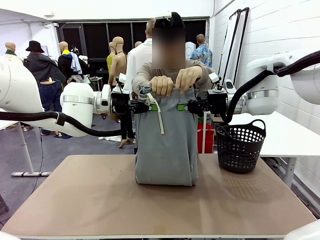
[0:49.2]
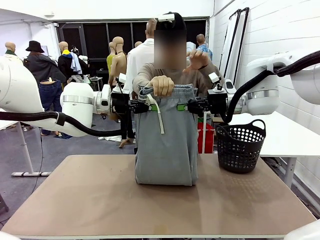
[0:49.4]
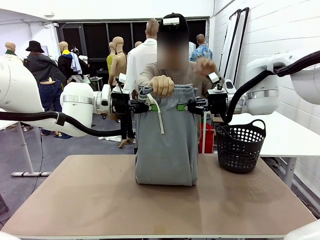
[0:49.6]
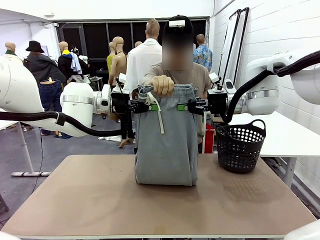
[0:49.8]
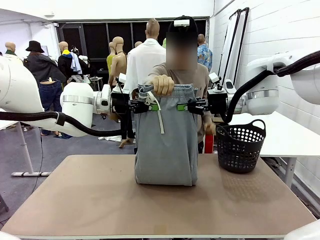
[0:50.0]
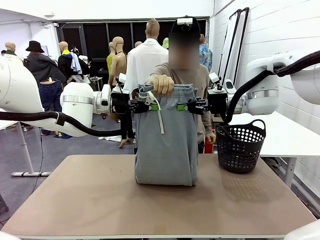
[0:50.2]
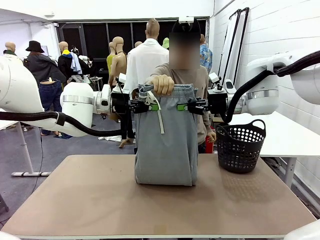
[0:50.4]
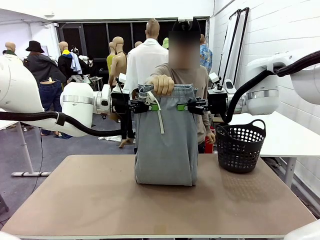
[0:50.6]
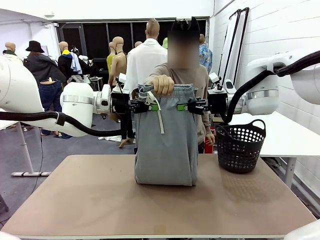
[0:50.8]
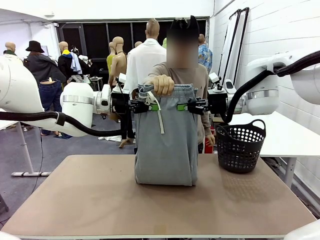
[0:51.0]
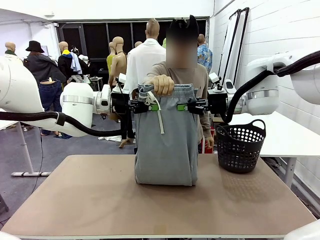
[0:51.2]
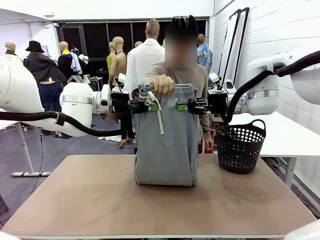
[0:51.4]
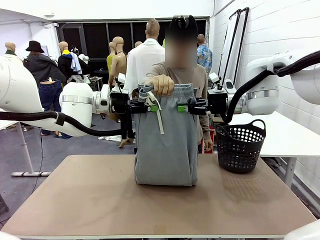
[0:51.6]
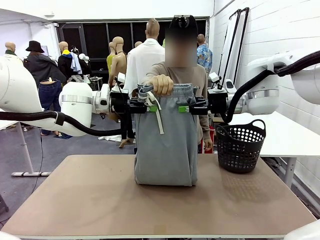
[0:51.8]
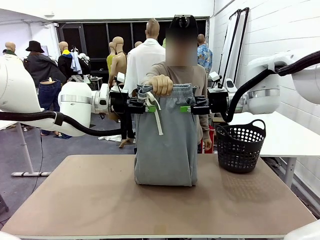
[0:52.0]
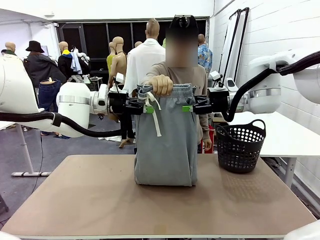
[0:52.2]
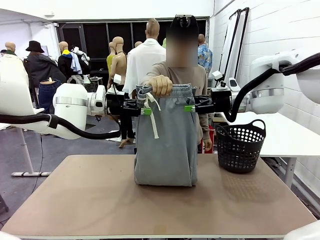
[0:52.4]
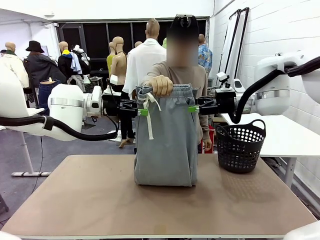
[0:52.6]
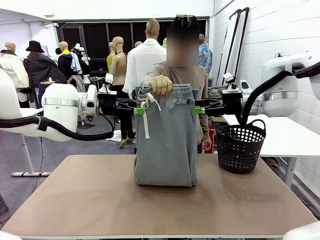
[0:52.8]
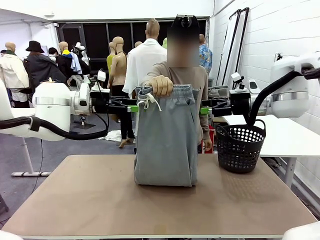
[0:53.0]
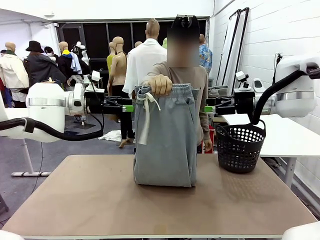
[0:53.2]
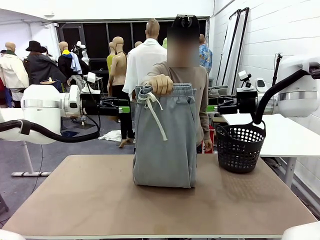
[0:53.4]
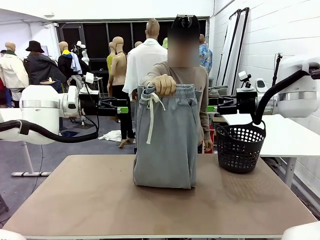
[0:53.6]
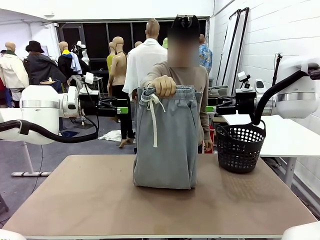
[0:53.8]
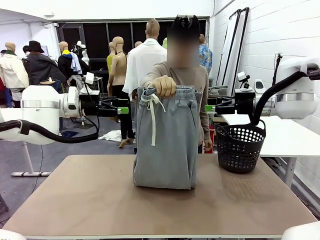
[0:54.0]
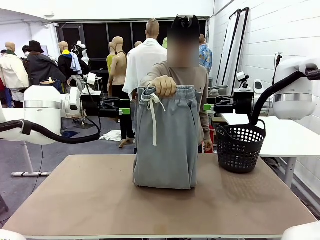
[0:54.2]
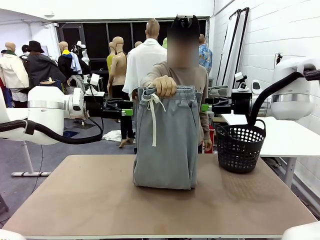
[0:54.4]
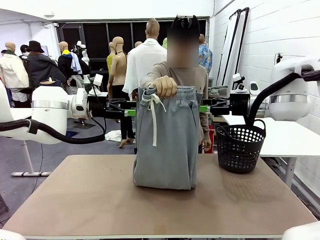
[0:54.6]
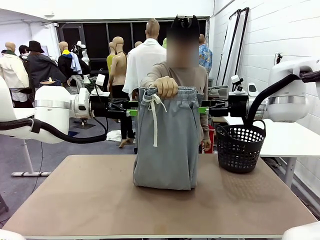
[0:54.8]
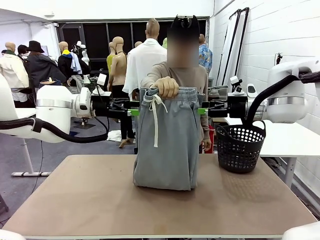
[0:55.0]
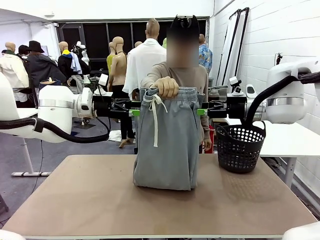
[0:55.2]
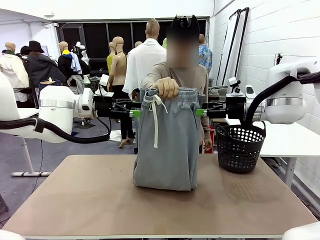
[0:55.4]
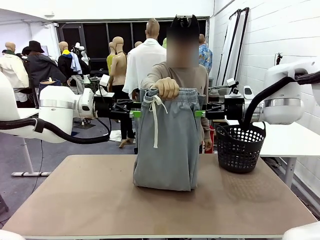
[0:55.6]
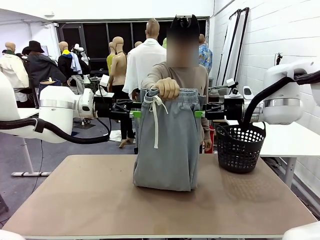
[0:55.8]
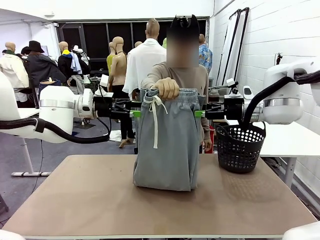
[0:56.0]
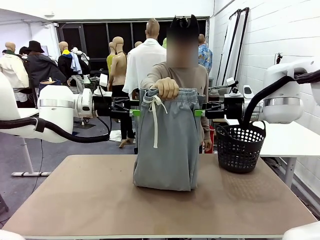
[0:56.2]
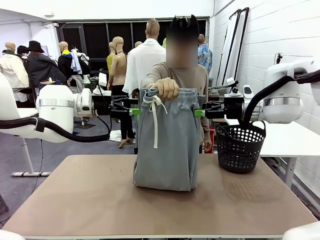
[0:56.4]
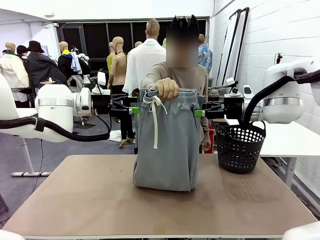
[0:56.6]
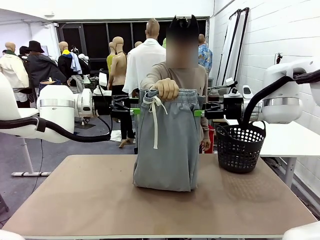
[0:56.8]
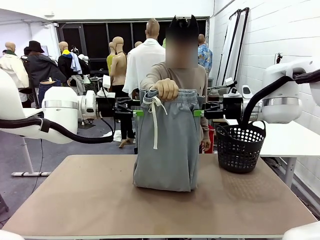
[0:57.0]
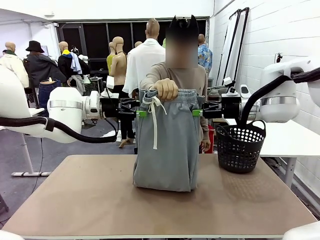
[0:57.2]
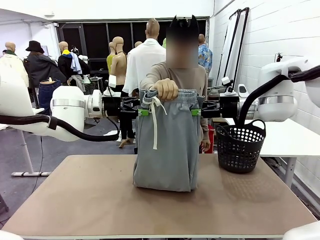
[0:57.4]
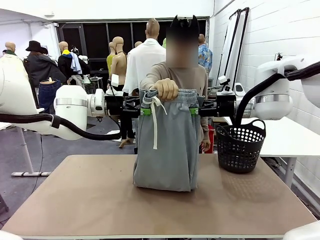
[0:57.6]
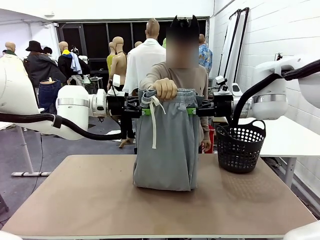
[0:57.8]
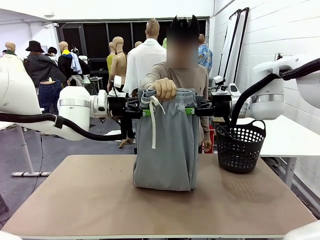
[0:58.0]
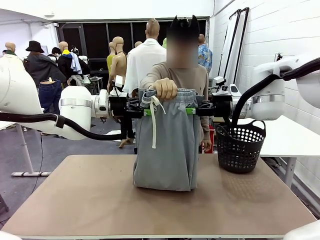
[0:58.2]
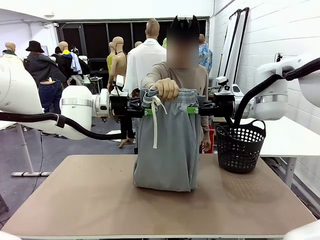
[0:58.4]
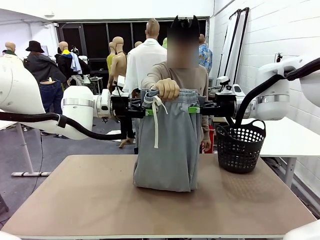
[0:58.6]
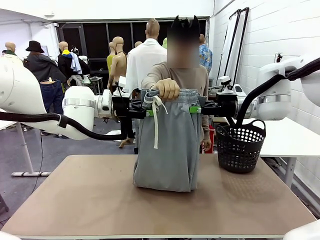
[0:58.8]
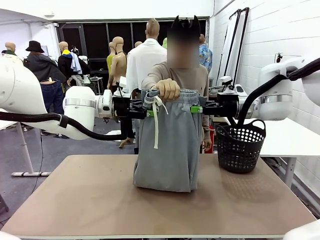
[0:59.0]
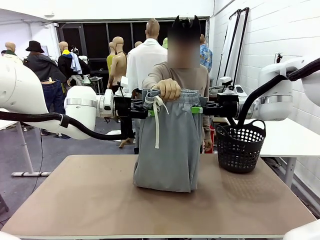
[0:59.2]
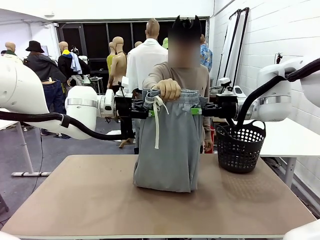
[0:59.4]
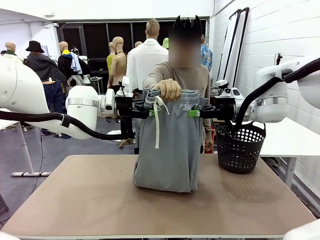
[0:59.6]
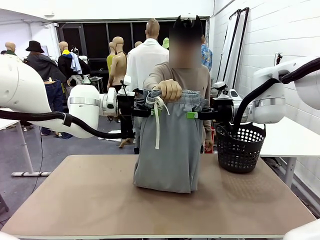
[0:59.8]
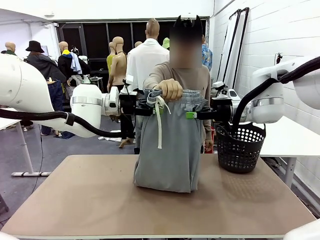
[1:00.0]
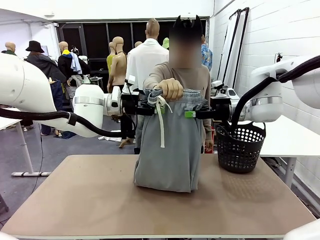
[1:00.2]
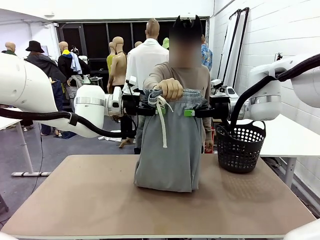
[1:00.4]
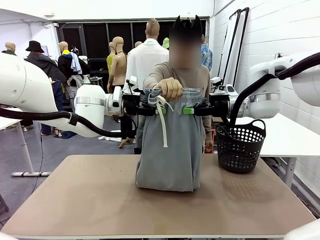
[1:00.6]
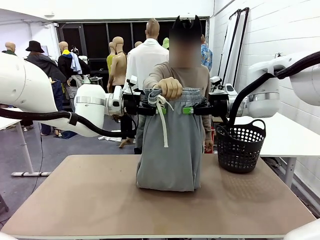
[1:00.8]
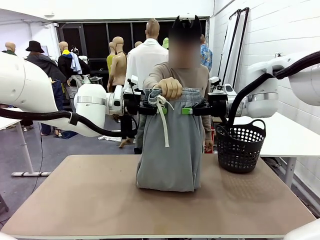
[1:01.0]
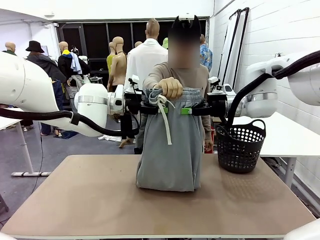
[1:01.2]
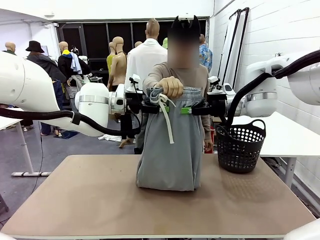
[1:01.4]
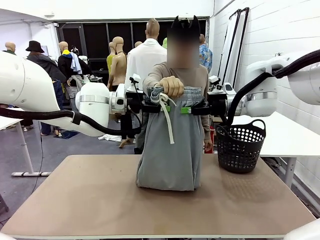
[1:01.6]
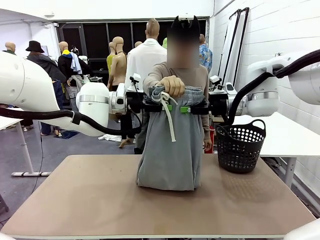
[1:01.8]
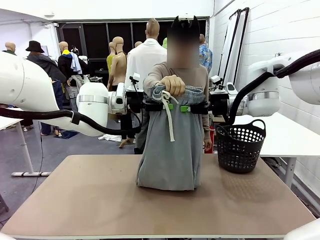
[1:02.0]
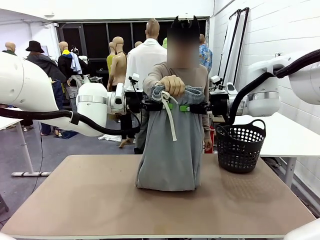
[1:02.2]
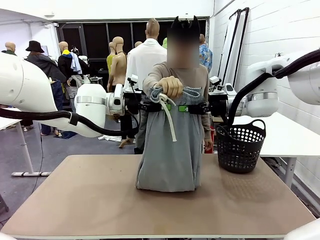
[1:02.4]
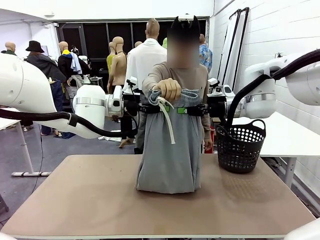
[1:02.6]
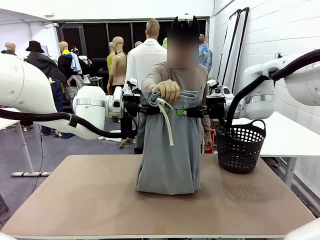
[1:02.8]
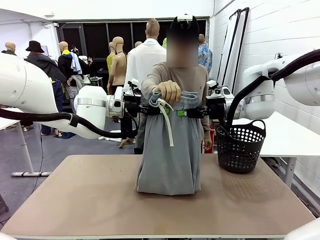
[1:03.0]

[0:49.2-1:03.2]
Task: Fold the training pants.
Robot: Release the ends of the Training pants and then grab the overlapped ends.
Person: Release the pants you were holding.

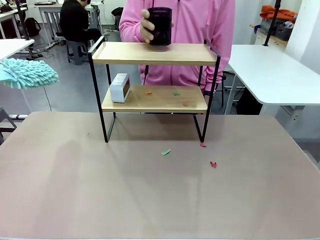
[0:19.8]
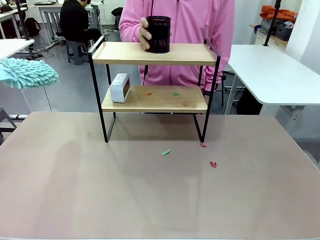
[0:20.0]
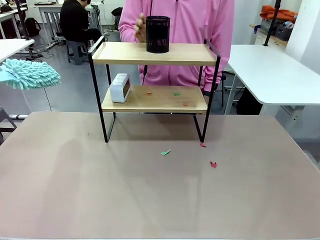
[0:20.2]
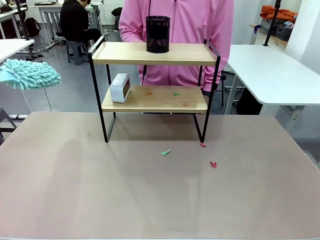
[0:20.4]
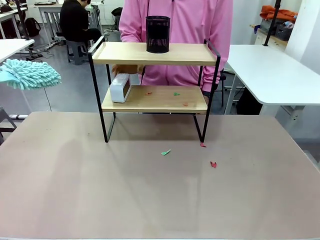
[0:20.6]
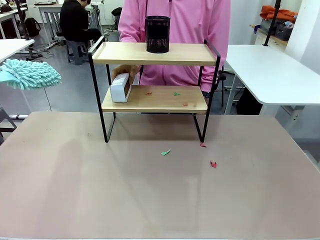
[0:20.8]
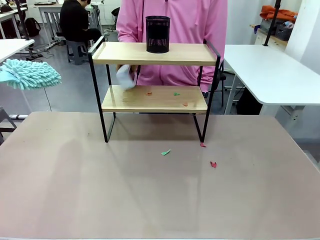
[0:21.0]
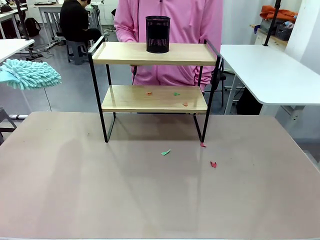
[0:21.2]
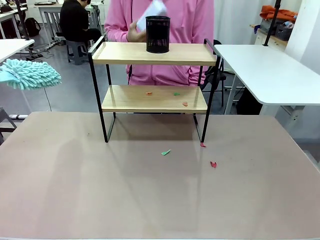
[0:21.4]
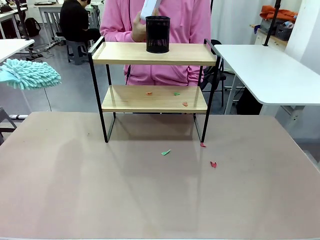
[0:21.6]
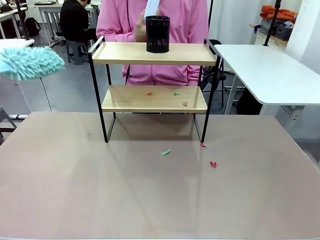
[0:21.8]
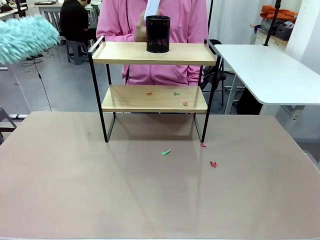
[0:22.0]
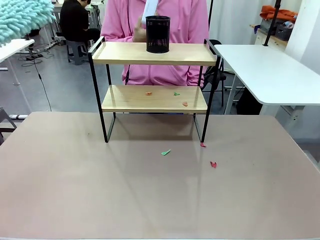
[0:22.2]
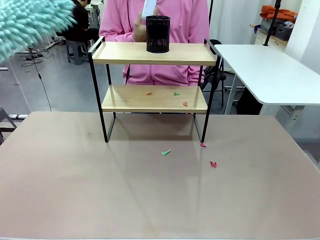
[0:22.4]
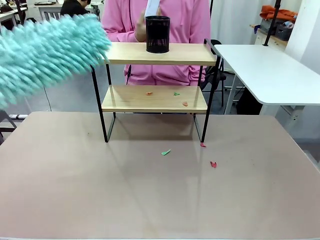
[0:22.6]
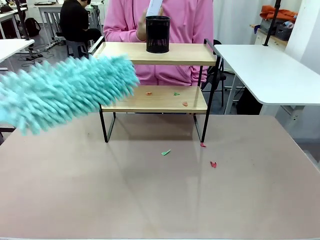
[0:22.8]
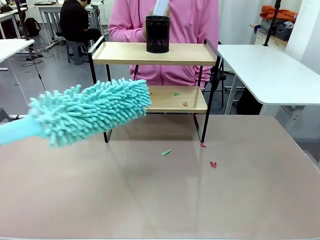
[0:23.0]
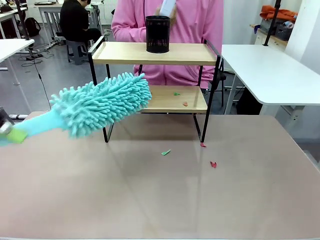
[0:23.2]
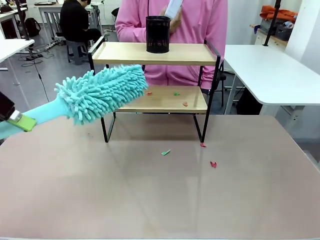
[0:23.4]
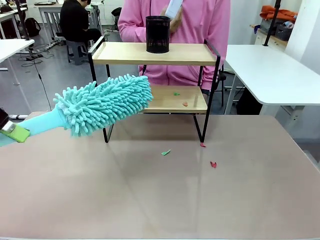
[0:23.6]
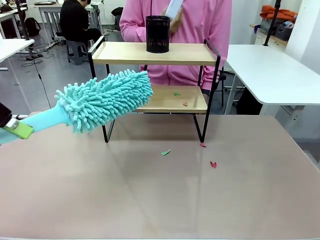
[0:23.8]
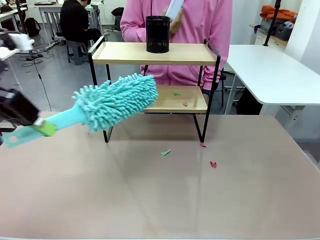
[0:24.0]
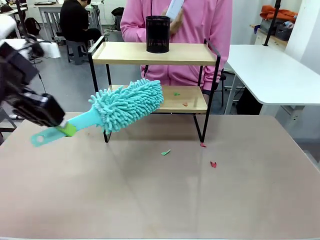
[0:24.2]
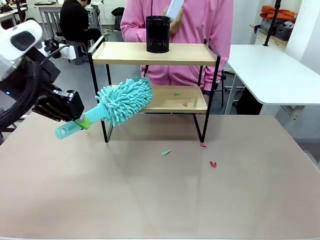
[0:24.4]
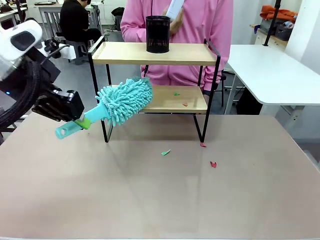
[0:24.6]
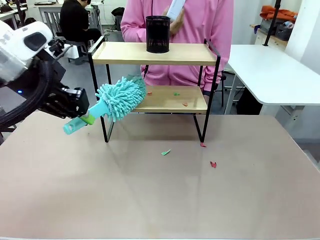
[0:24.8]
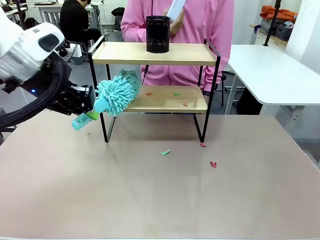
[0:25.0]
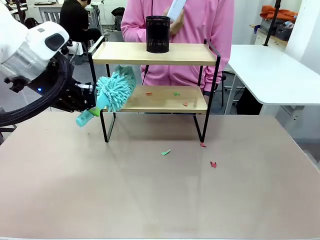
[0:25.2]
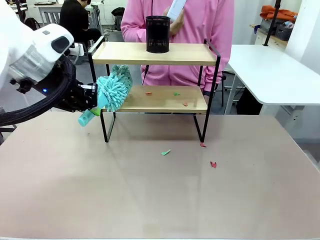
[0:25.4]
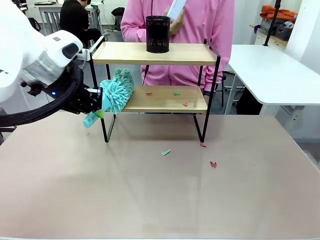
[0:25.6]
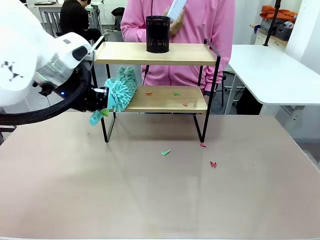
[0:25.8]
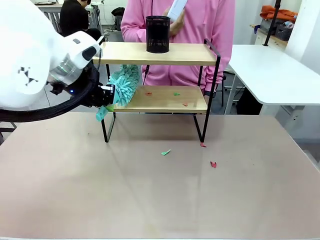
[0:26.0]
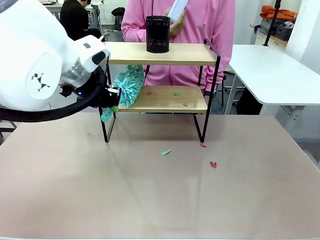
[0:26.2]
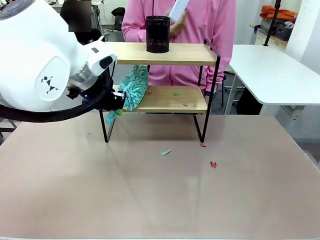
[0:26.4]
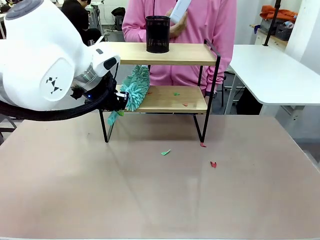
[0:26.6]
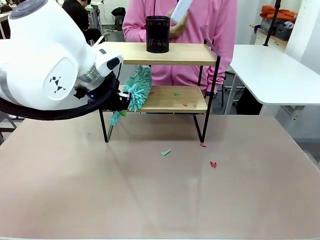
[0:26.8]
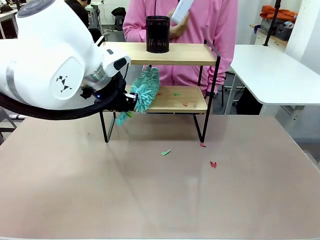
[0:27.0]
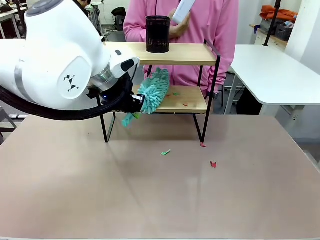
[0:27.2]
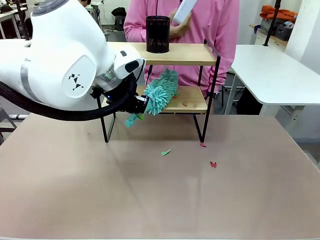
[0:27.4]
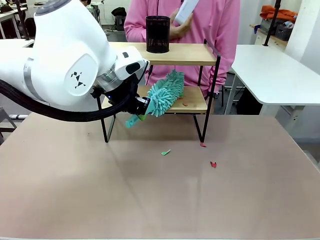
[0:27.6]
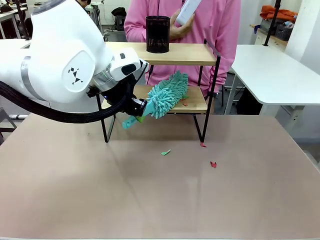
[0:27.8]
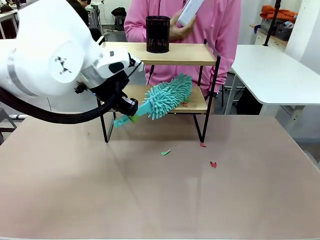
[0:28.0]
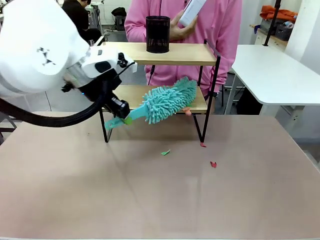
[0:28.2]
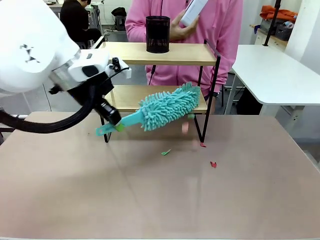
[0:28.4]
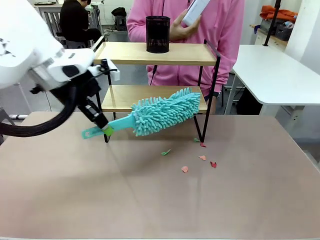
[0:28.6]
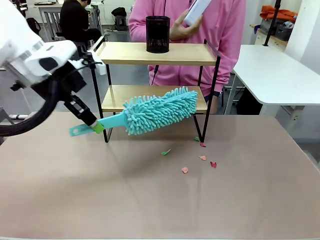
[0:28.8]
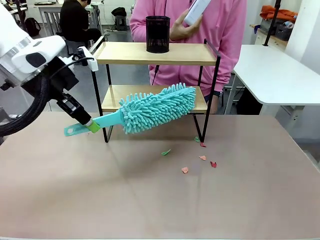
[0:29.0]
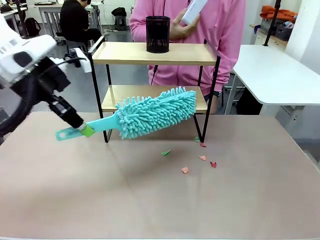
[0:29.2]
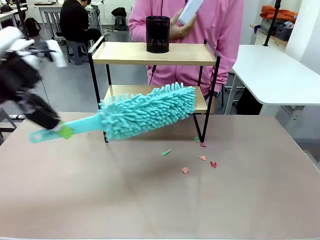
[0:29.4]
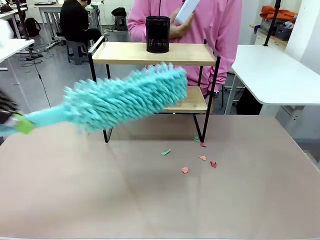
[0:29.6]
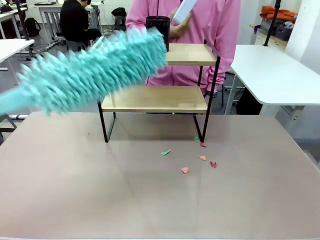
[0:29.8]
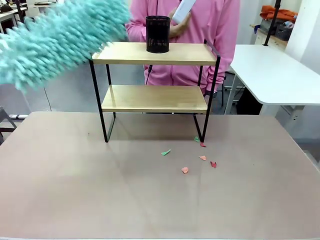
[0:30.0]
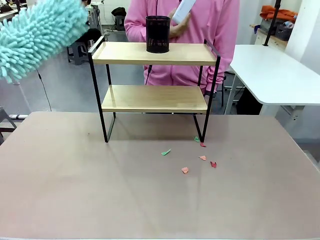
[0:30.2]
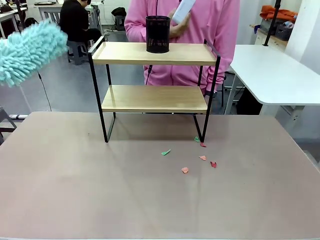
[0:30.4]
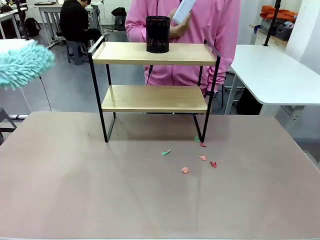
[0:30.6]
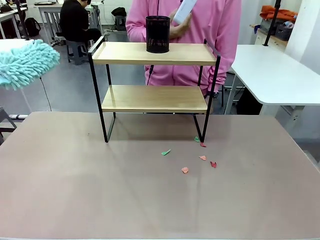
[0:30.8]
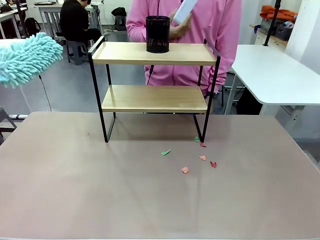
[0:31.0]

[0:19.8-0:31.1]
Task: Clean the shelf.
Robot: Clean the remaining tier of the Shelf with the Duster once objects are removed.
